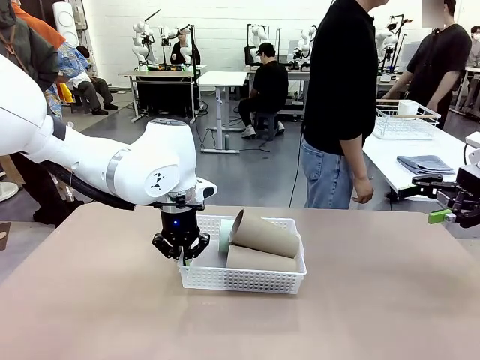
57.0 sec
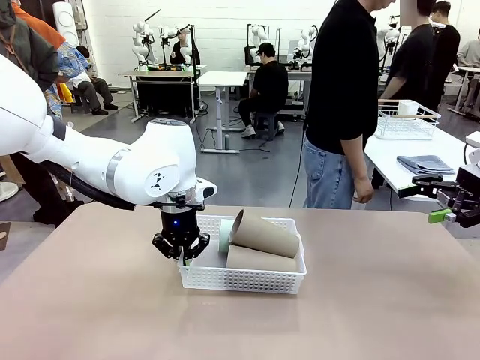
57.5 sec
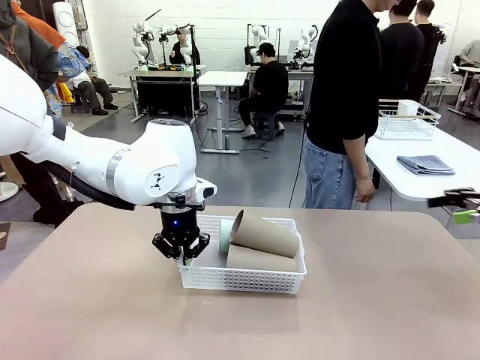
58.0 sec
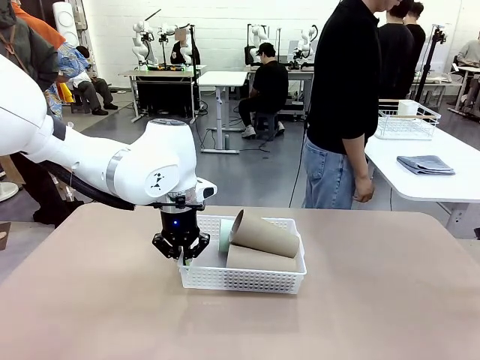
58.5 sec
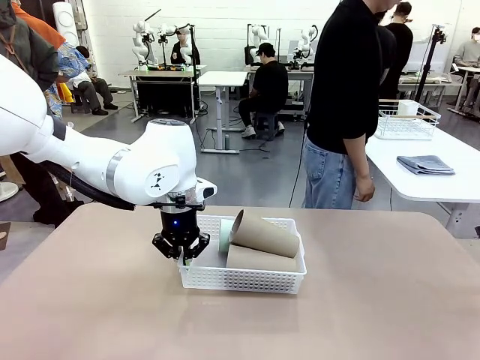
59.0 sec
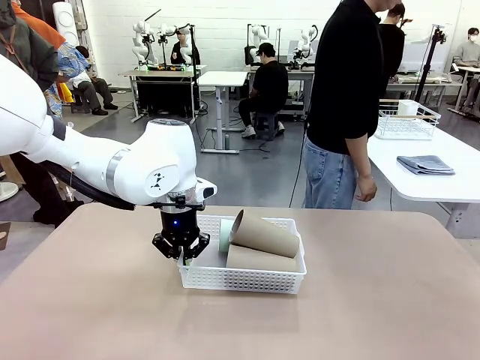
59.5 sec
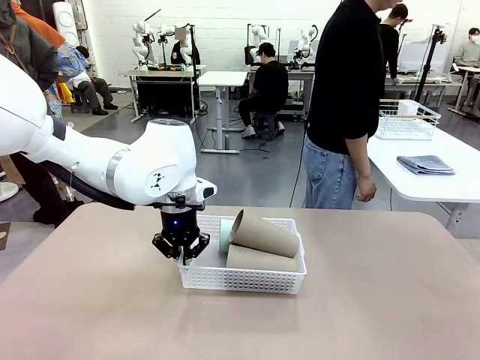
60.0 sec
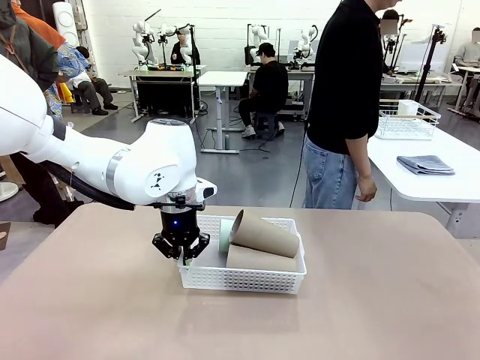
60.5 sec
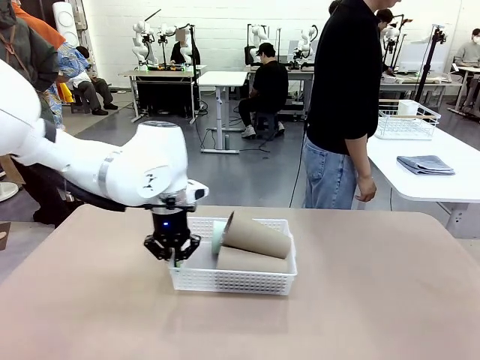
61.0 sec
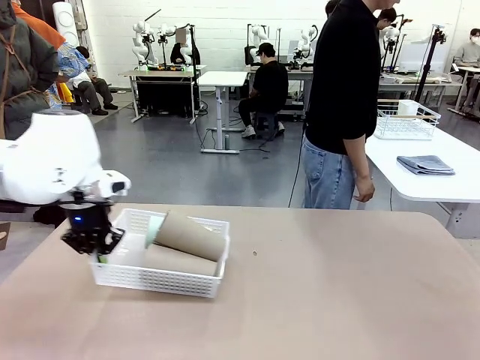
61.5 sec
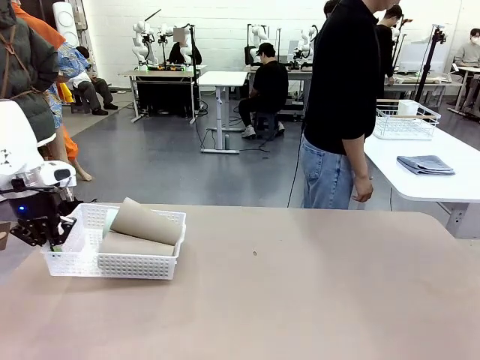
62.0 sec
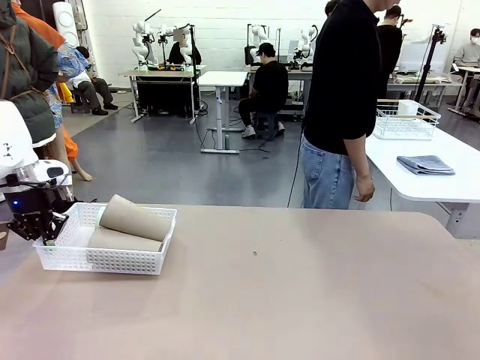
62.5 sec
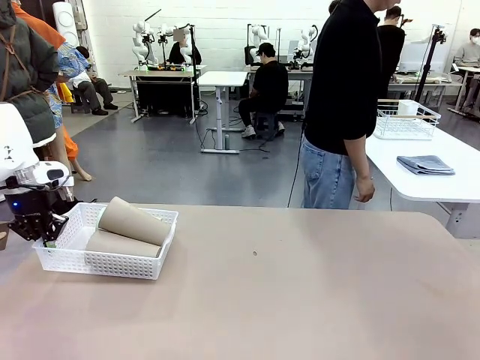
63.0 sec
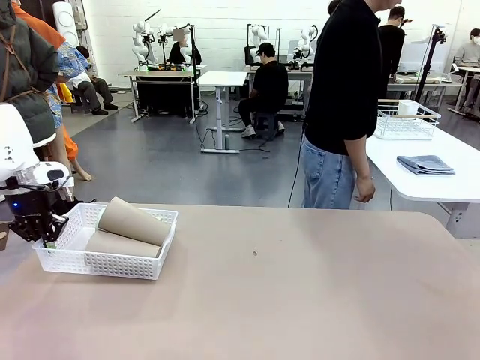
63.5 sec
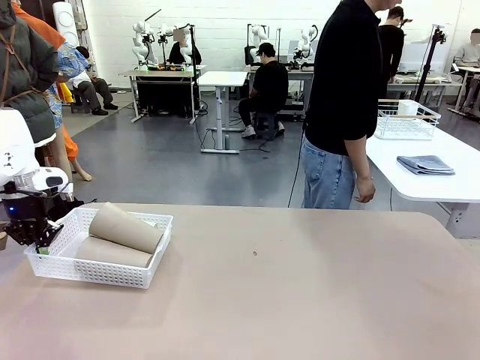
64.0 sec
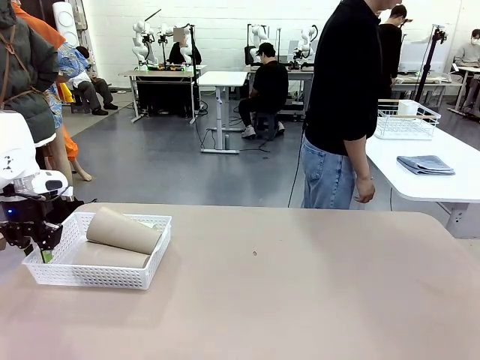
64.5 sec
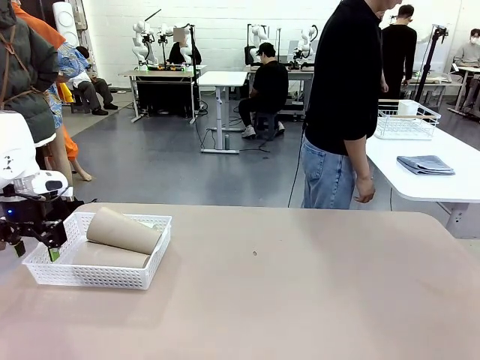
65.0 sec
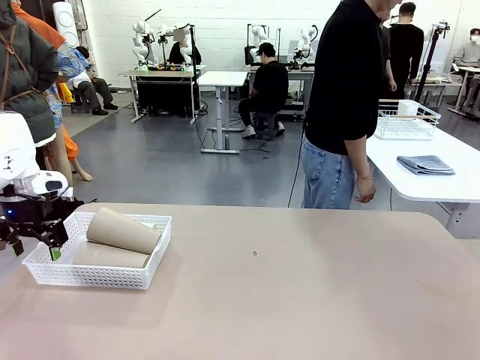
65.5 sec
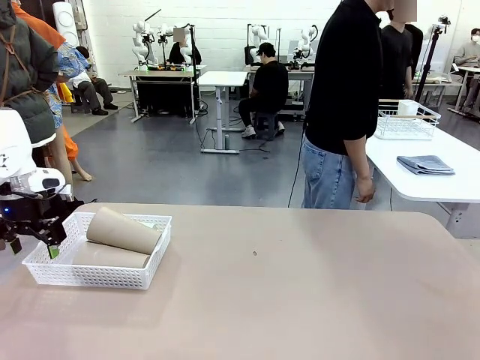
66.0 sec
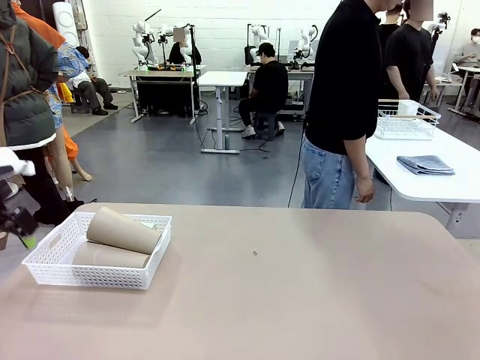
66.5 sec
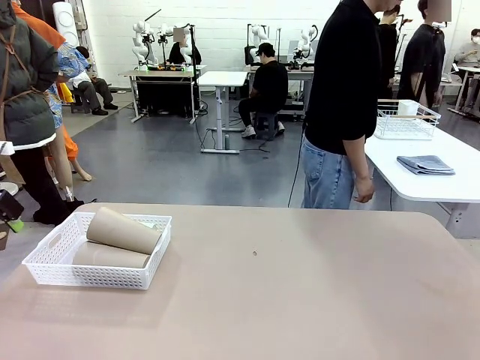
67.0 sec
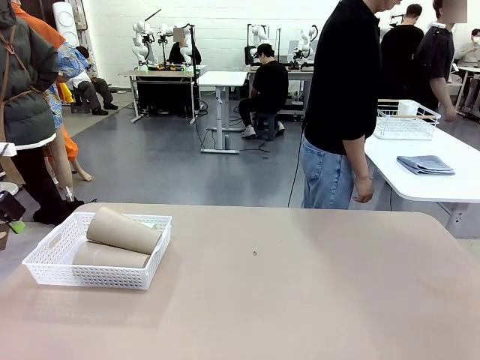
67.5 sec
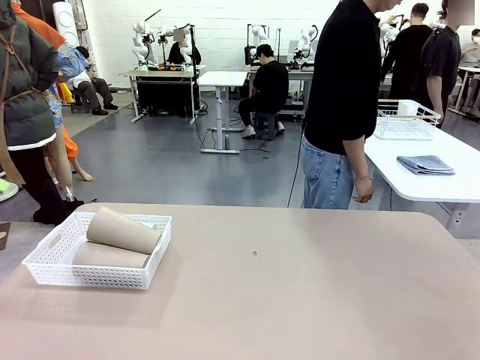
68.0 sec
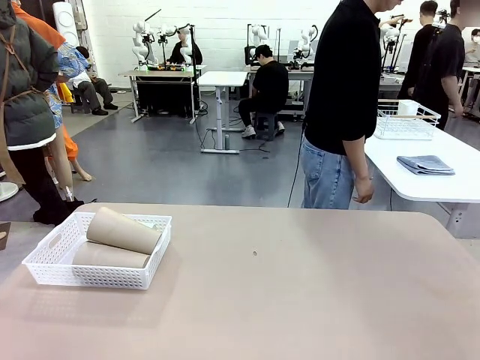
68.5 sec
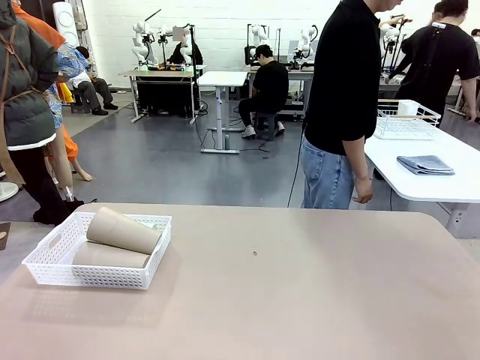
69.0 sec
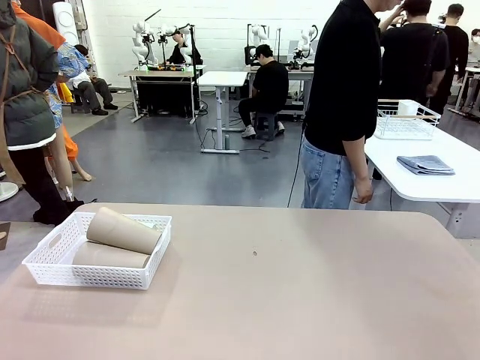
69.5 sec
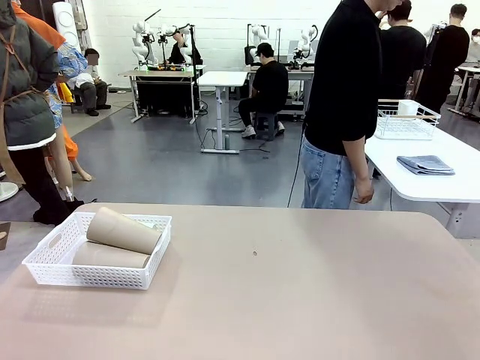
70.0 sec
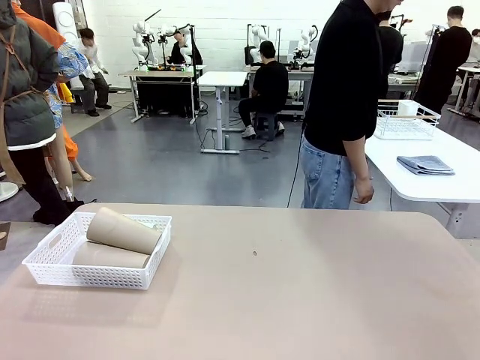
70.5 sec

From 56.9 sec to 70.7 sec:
Task: Clean and organize the cups into the basket.
Robot: Move the Organizing basket back to the left side of the table.
Person: Folds the towel in half twice and places it in the right of the table.

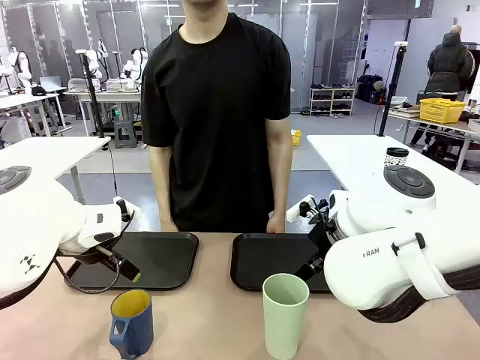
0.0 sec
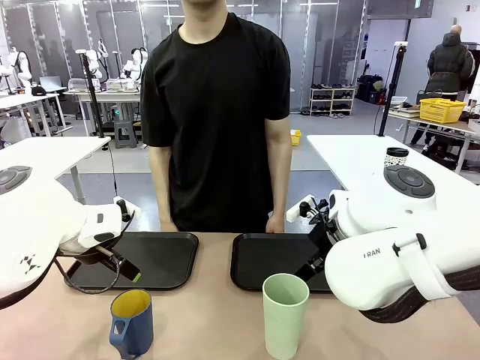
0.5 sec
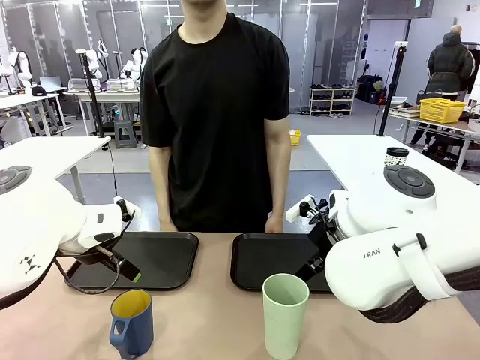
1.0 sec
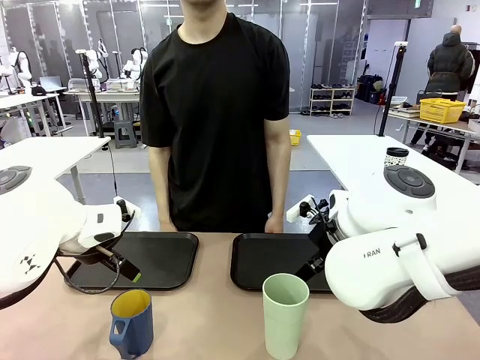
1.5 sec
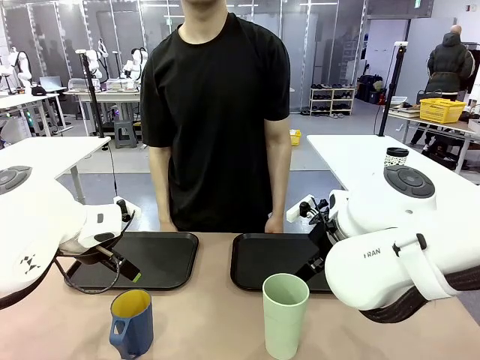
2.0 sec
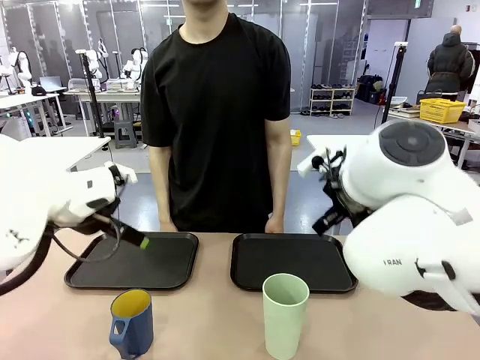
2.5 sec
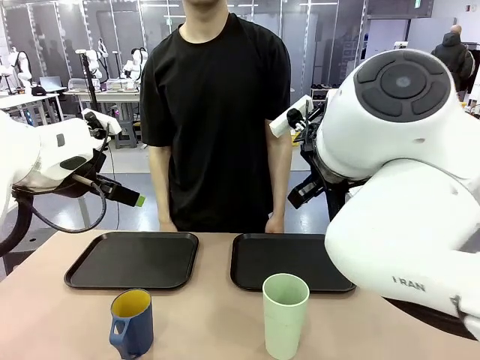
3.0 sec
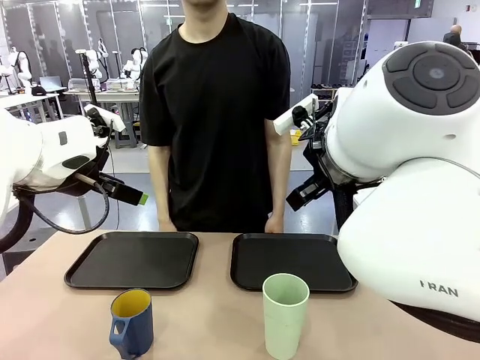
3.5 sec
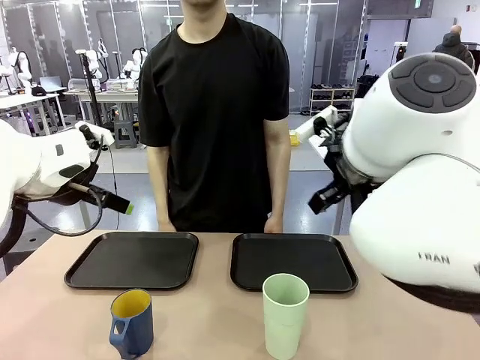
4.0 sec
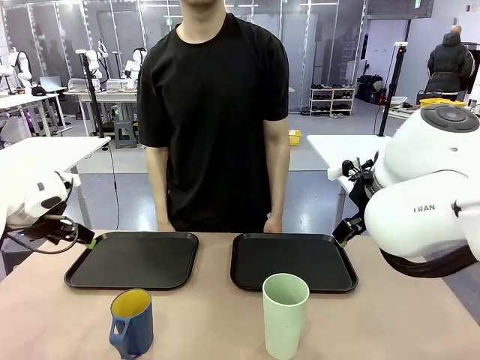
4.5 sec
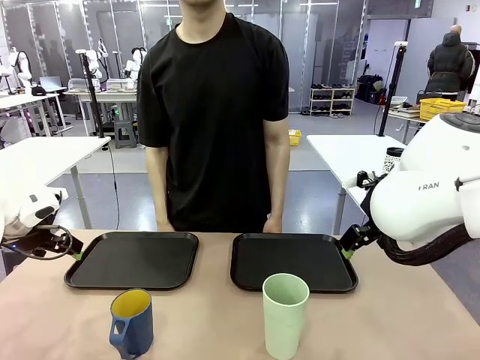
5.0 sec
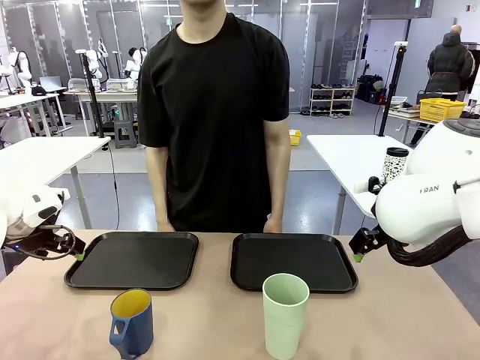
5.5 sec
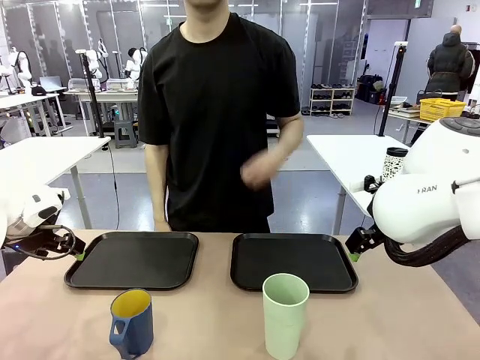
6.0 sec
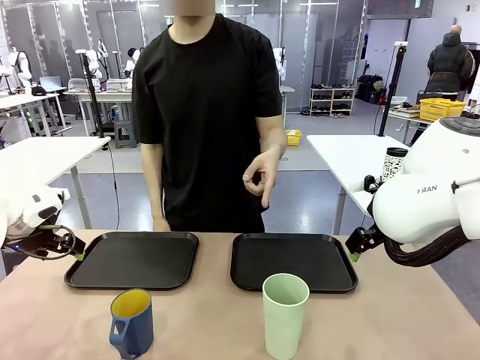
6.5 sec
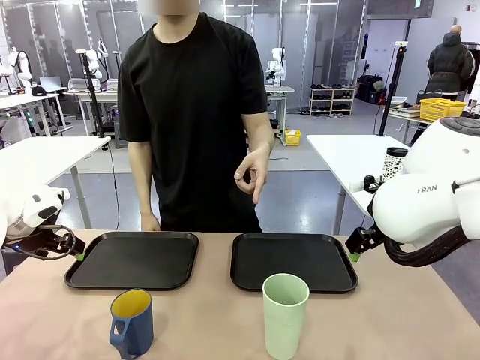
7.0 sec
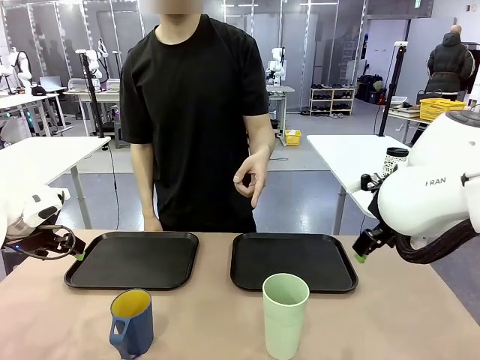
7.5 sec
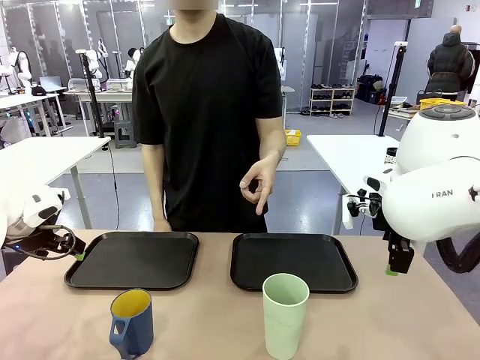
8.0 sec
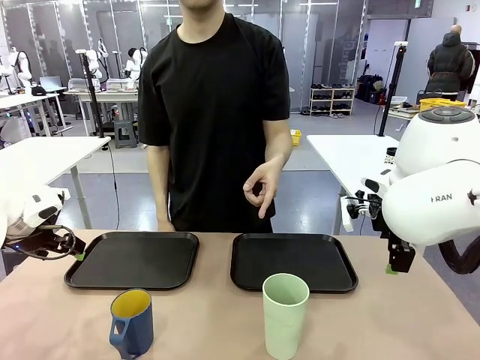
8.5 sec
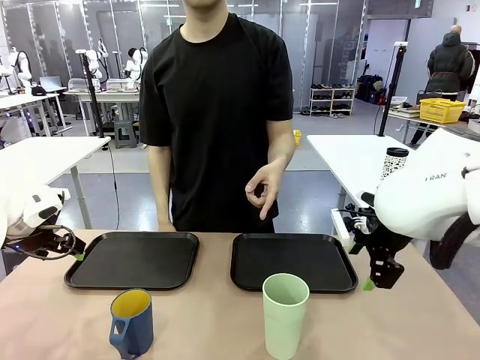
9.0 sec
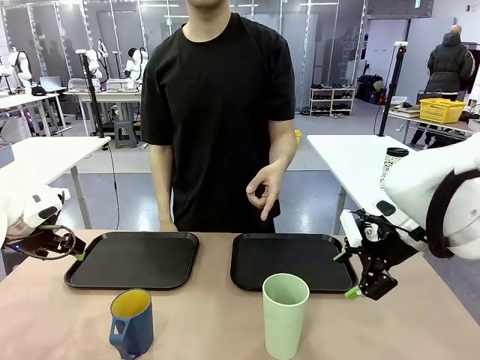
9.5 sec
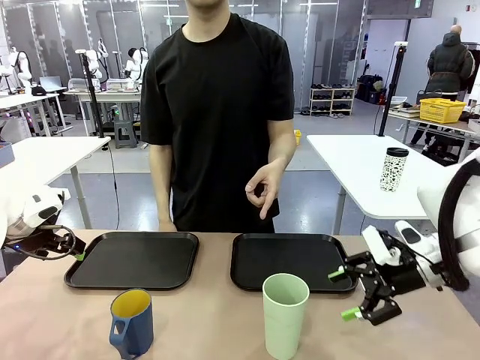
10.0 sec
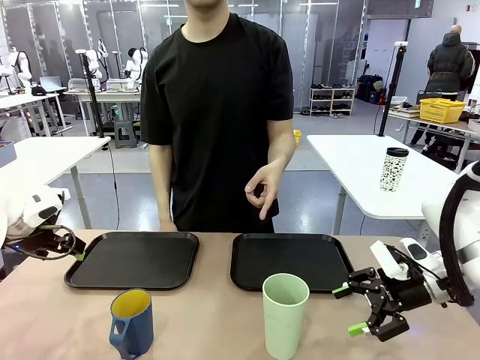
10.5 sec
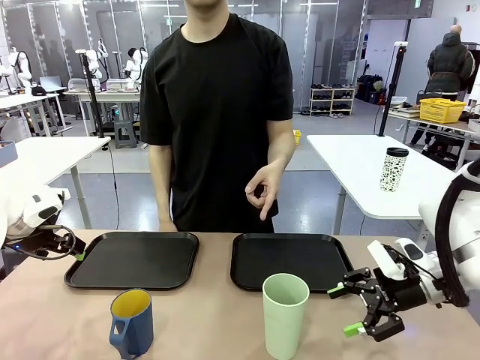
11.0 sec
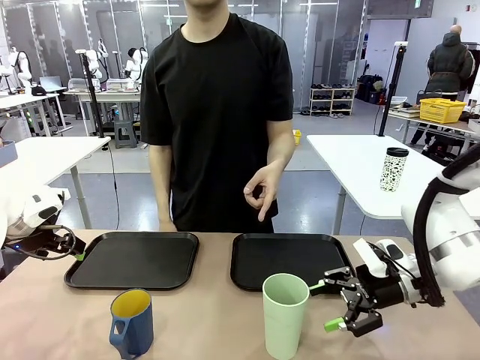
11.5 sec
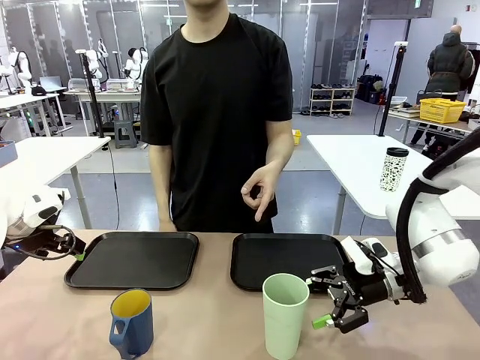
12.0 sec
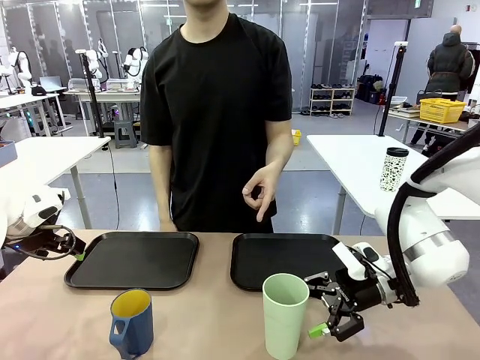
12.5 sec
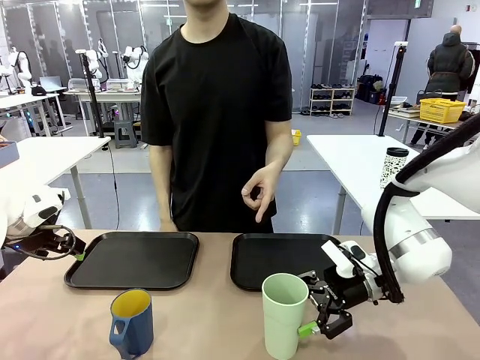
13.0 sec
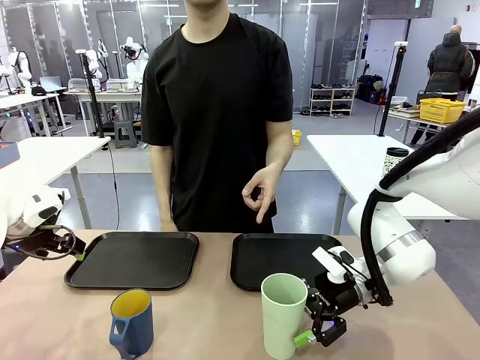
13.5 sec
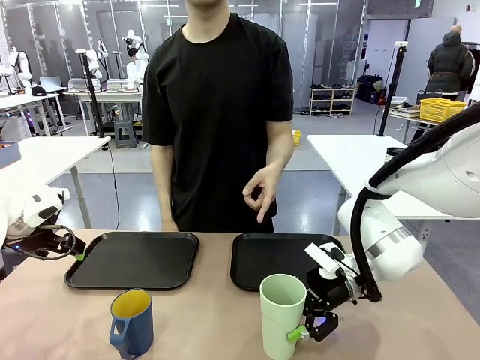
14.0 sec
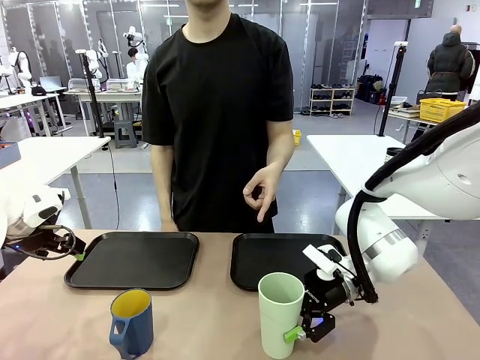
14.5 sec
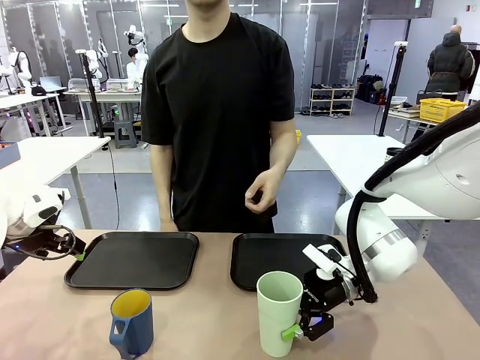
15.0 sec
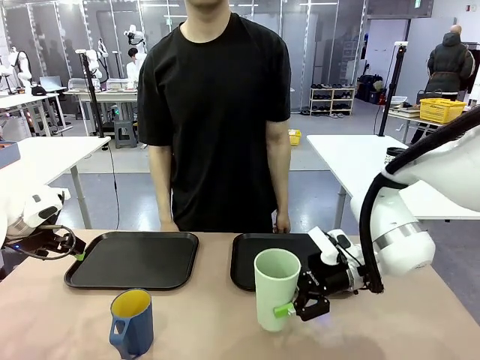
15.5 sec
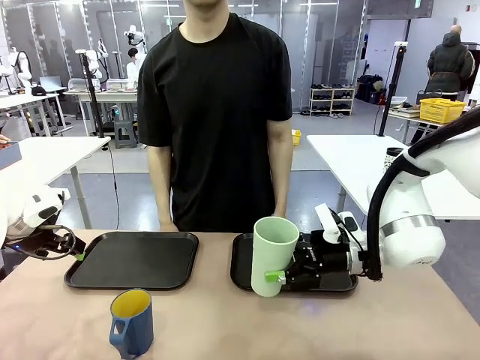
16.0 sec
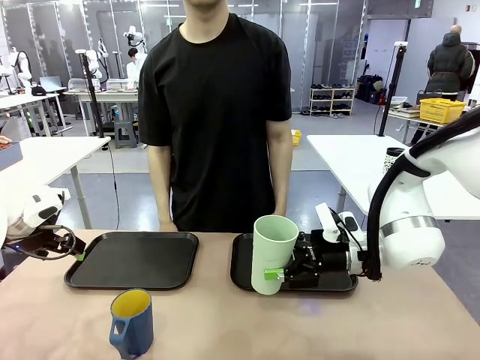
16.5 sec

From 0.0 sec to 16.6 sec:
Task: Sort and store the cups by type.
Robot: Pick up the Reusable plastic cup.
Person: Points to the reusable cup. Point to one of the two trays.
